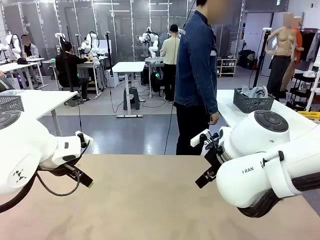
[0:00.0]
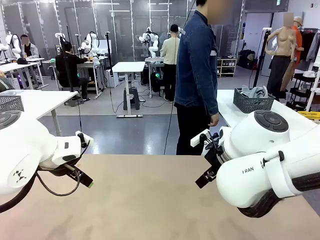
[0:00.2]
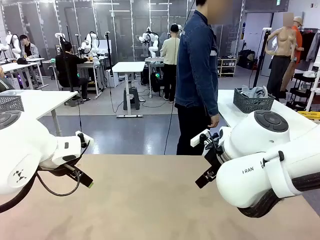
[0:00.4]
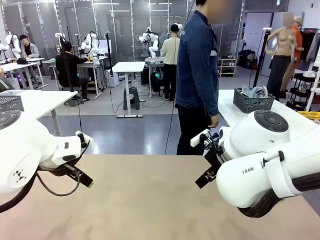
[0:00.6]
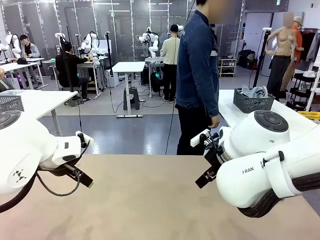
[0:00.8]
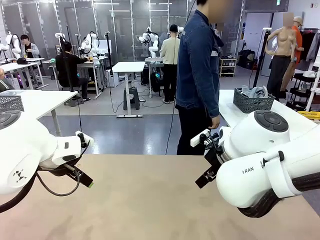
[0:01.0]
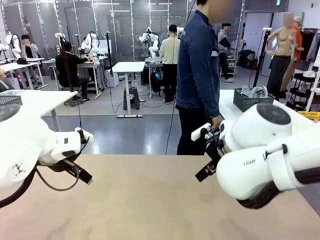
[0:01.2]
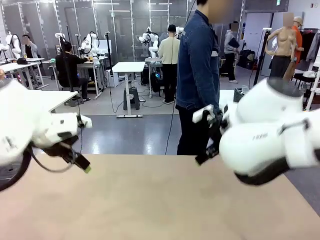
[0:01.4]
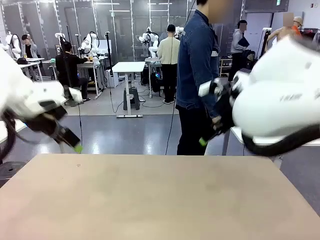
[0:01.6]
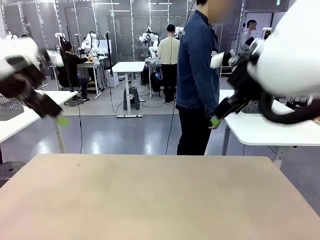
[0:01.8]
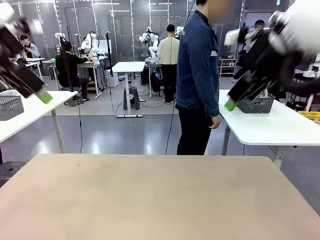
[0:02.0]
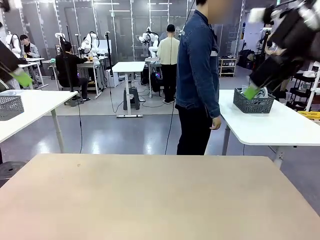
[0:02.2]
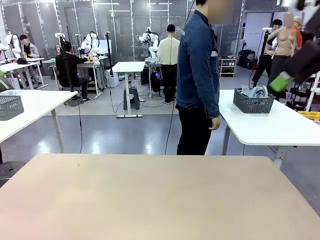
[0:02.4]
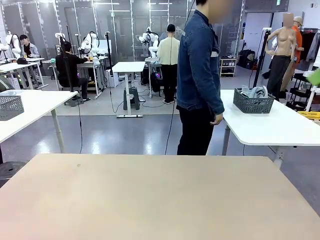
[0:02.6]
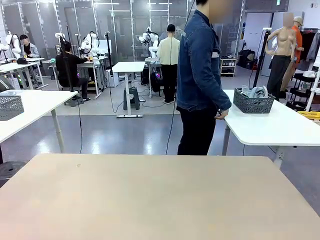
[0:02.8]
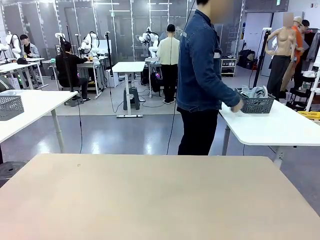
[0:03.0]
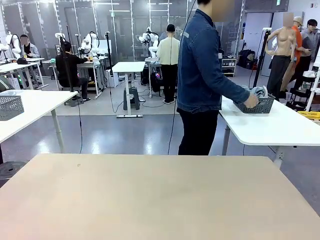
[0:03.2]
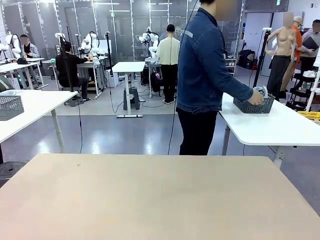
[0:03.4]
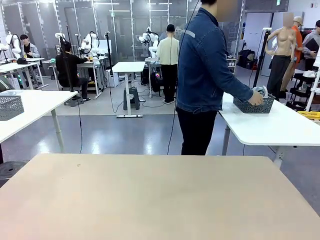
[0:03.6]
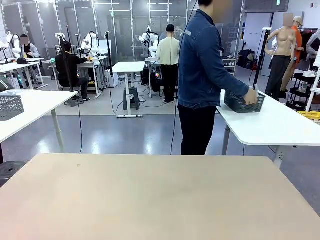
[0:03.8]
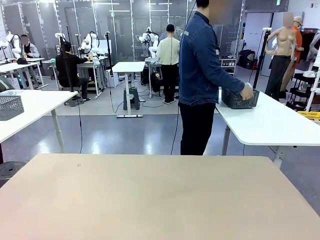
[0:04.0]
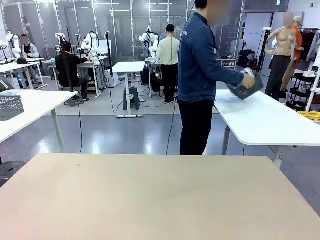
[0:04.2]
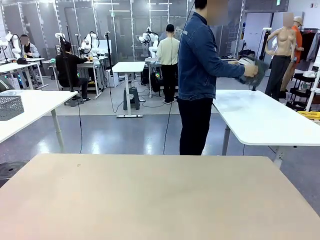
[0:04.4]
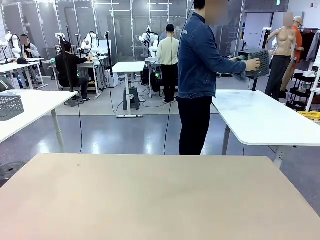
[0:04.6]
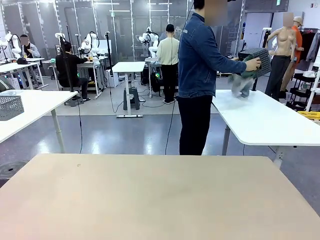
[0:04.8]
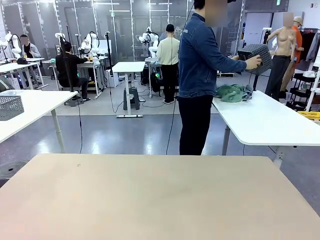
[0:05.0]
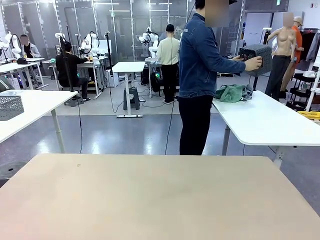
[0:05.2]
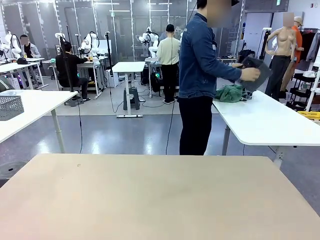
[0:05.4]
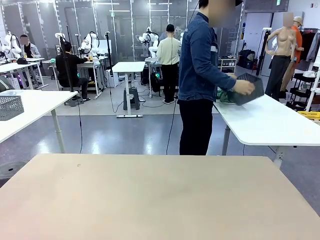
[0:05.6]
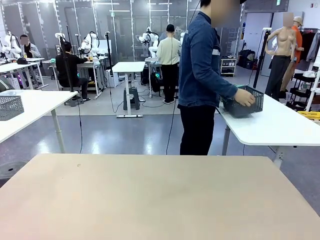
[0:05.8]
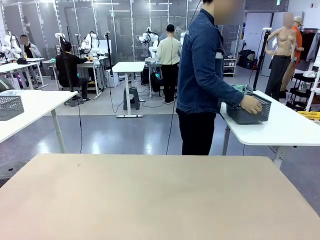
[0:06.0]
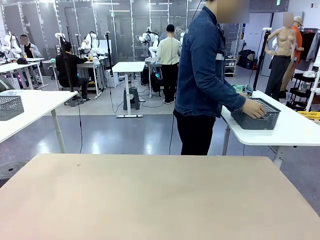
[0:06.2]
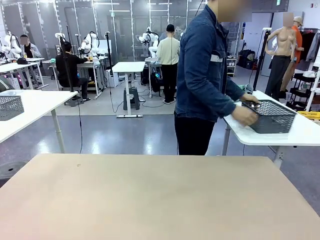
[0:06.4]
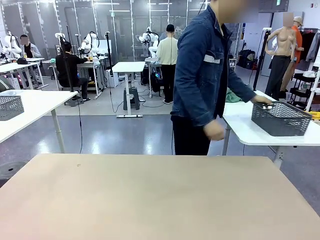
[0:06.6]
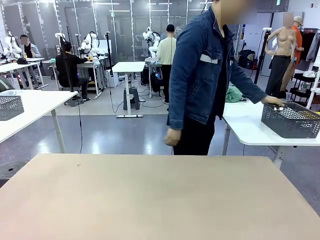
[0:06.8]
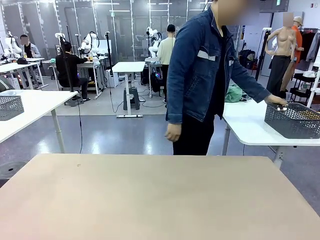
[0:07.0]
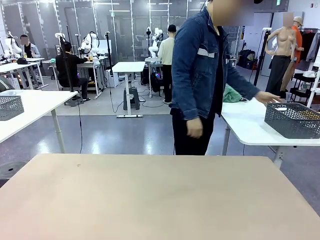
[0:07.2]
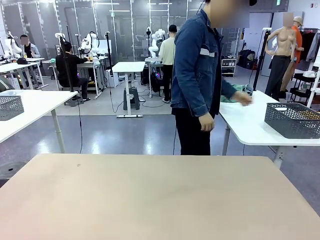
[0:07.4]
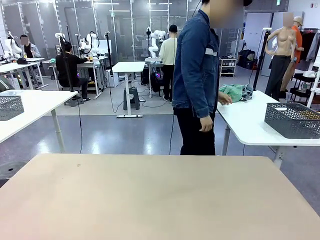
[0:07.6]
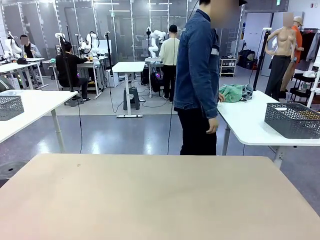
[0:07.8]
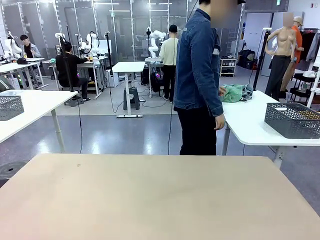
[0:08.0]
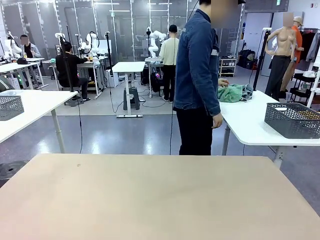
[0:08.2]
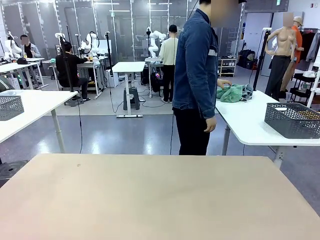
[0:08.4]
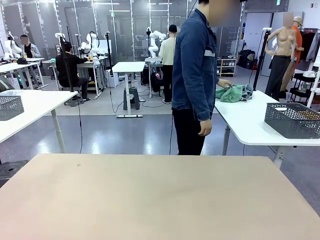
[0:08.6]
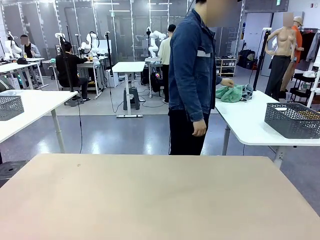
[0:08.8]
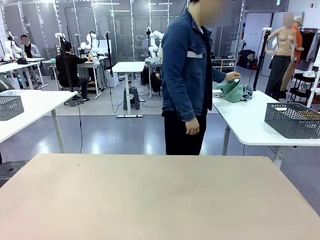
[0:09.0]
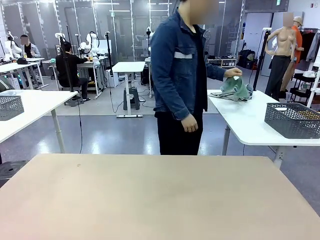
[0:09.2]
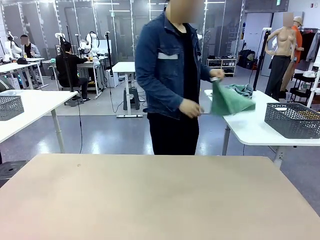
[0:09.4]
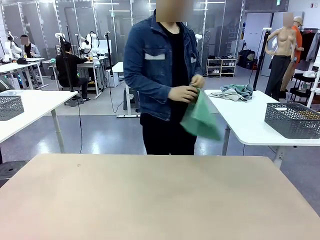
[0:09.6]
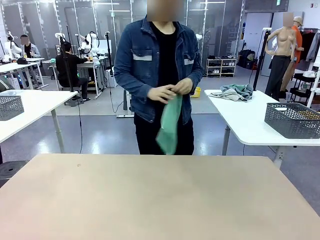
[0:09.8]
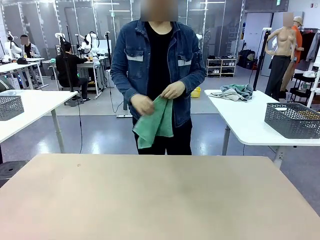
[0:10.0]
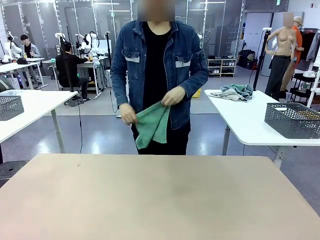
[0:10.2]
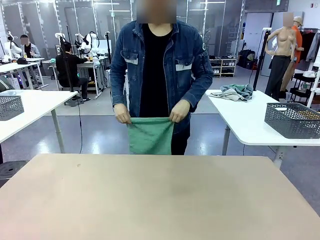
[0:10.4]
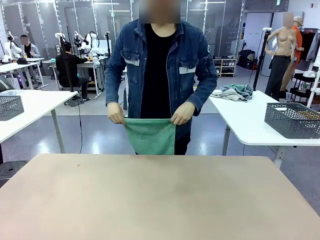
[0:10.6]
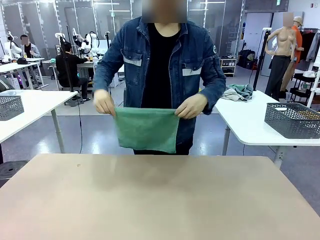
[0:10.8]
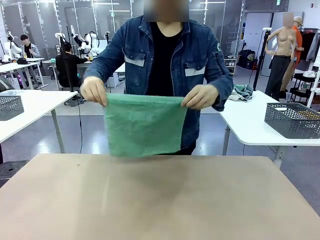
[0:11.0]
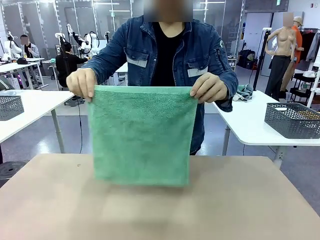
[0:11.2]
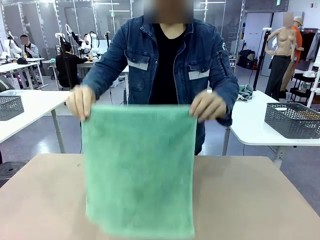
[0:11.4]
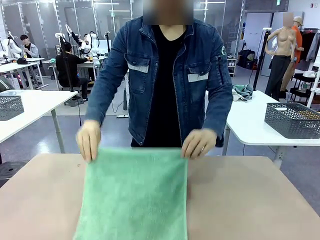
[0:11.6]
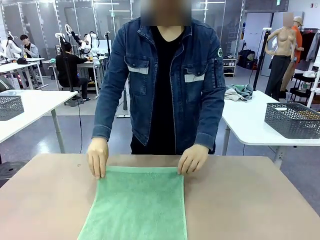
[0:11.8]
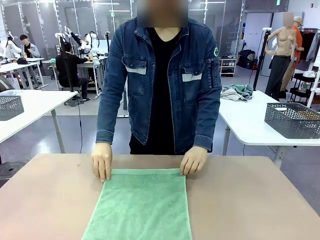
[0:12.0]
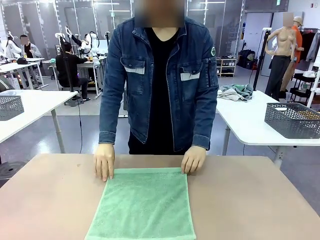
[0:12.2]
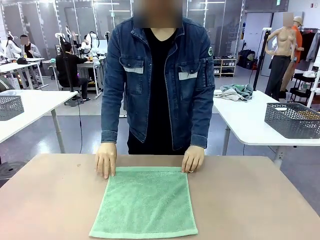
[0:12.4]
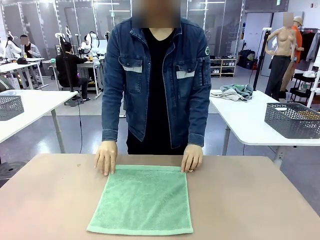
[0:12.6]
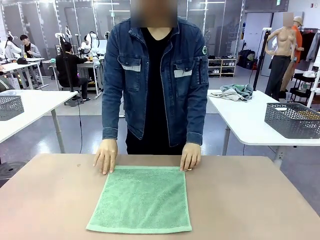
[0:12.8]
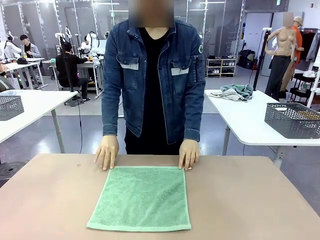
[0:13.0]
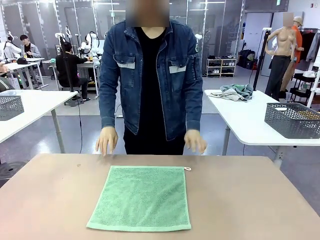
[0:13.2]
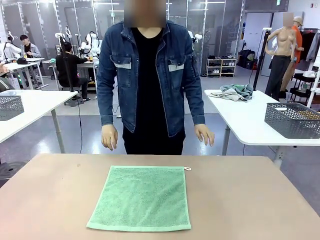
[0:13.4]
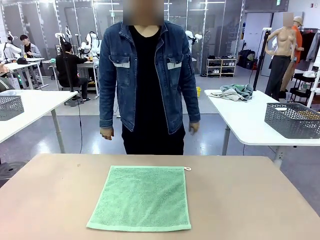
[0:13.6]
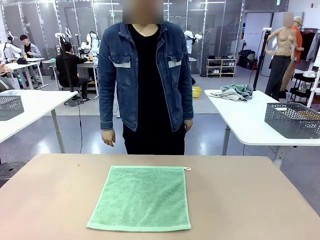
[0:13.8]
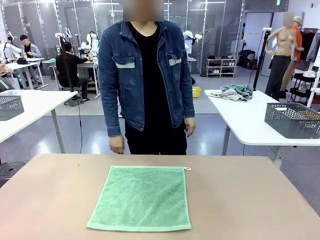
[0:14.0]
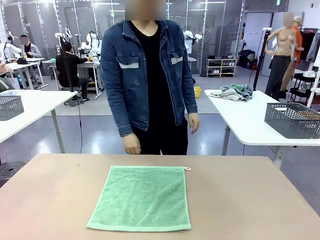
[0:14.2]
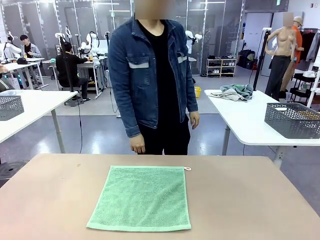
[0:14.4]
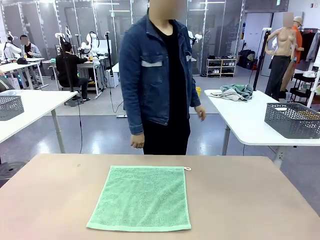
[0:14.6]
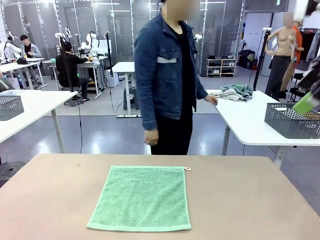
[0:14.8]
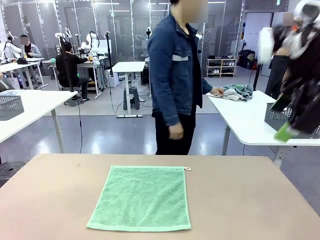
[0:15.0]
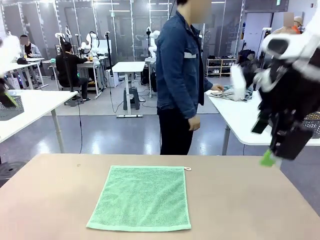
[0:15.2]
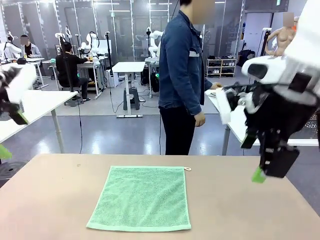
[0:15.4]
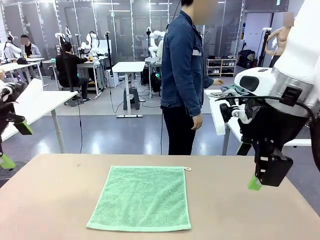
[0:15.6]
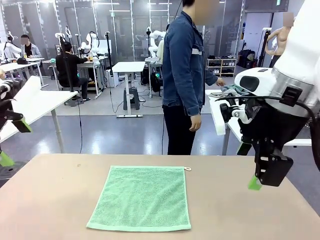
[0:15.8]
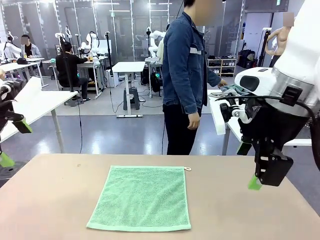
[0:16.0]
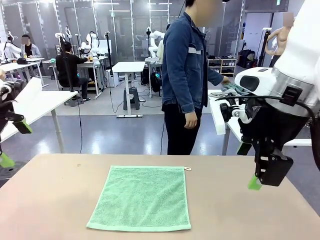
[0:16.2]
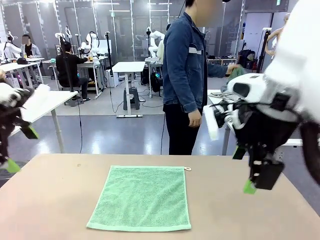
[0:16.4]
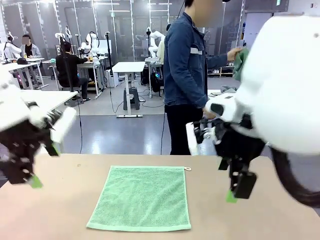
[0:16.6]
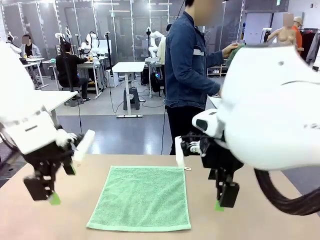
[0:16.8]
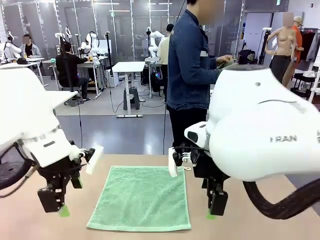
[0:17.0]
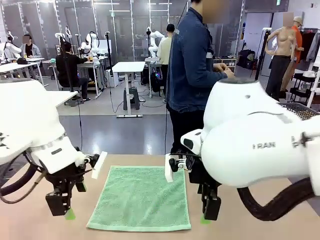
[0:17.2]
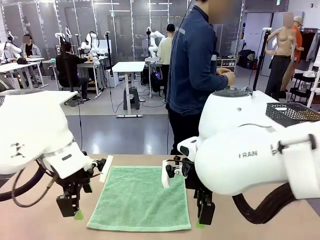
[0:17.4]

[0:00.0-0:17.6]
Task: Fold the towels and place them in the basket.
Robot: When a person lays out a Towel with hook on the table, fold it in half twice.
Person: Pick up the basket, pour the towels onto the left side of the human table, and place the basket on the right side. Pick up one towel and spread it out at the center of the robot table.
